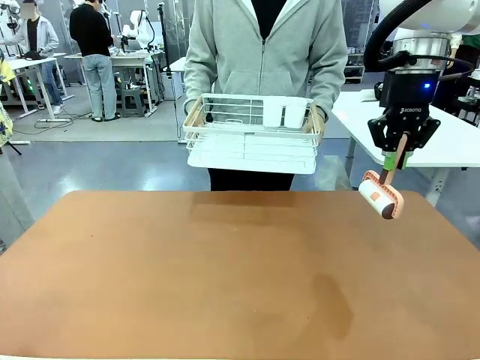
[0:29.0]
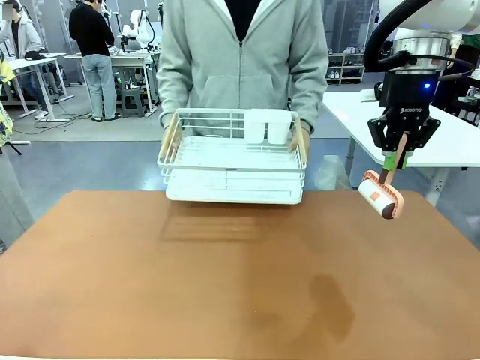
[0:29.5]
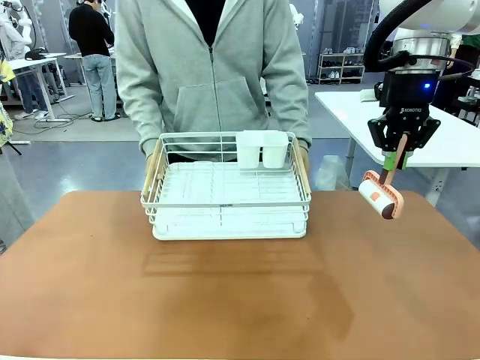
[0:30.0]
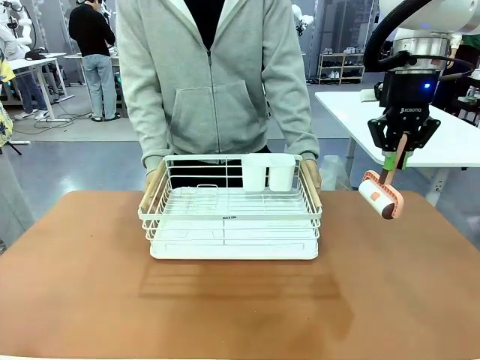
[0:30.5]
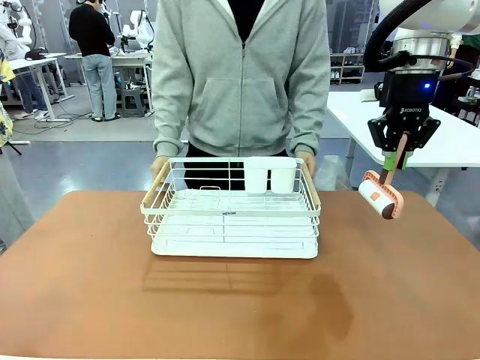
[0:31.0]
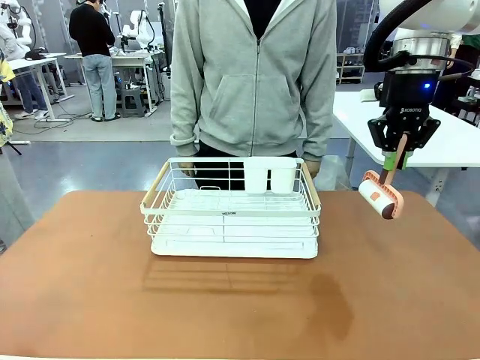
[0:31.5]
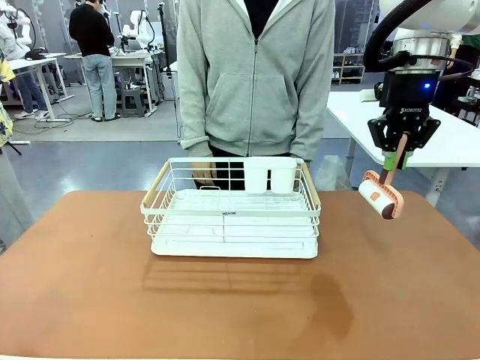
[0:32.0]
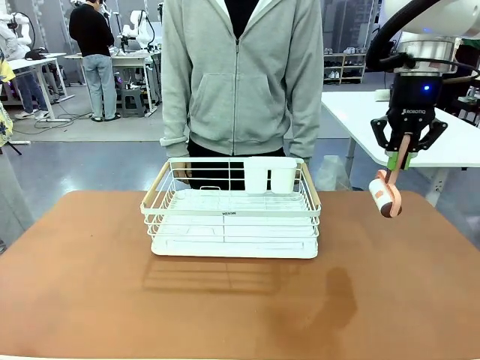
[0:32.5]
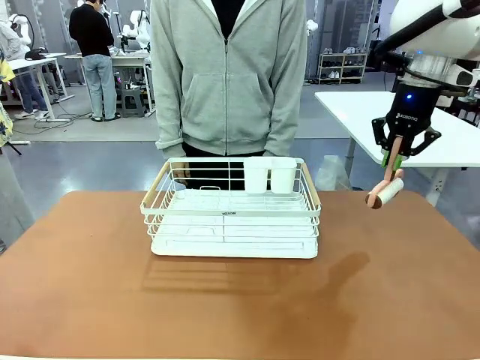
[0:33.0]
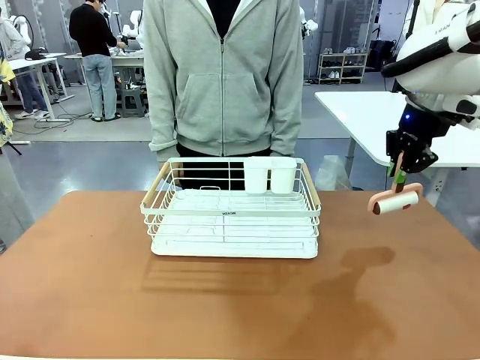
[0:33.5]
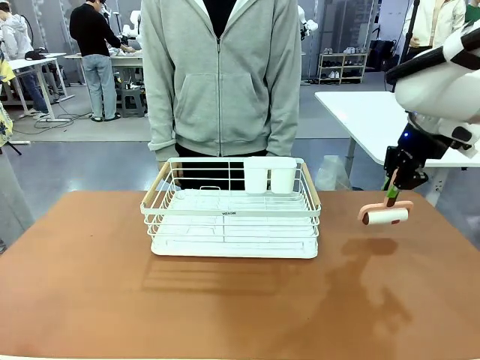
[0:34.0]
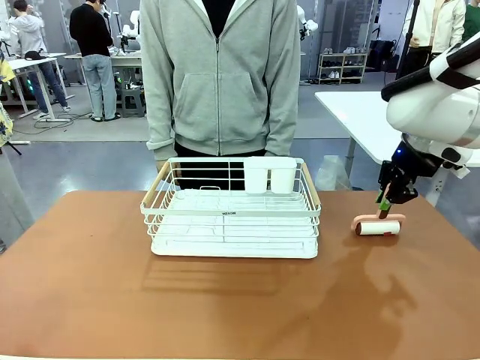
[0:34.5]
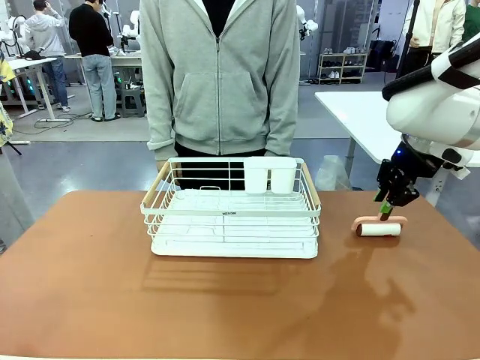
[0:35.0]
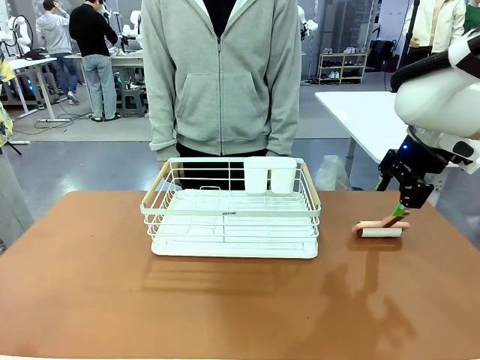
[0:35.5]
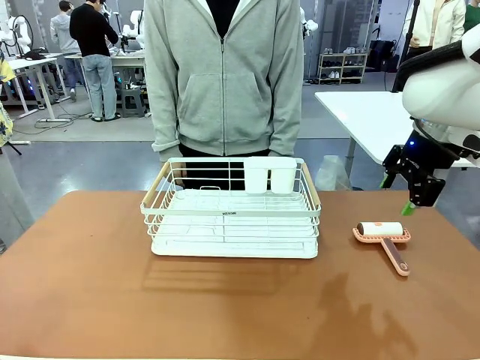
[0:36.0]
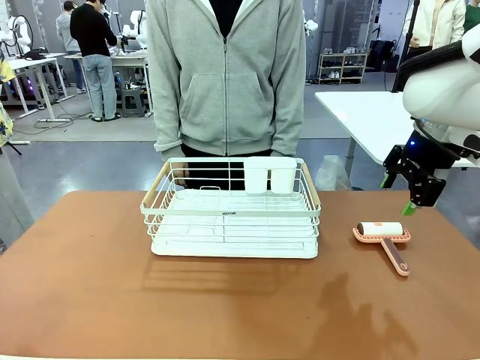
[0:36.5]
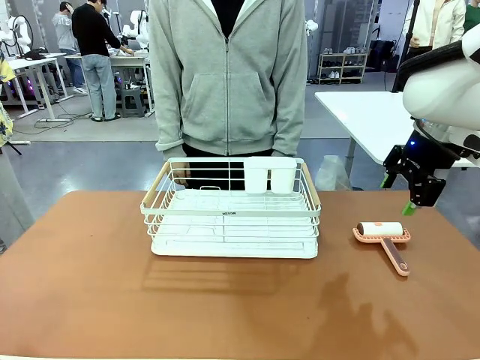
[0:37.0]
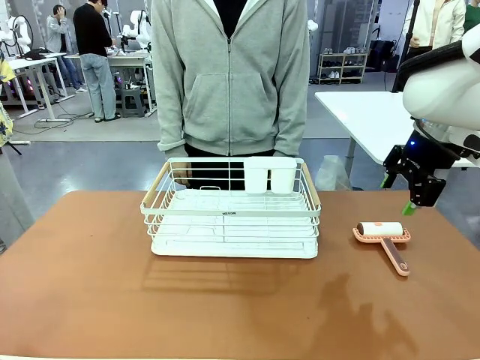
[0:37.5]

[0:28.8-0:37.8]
Task: Clean the table.
Robot: Place the Lint Roller down when the Dish drying rack is positioned in the middle of the table.

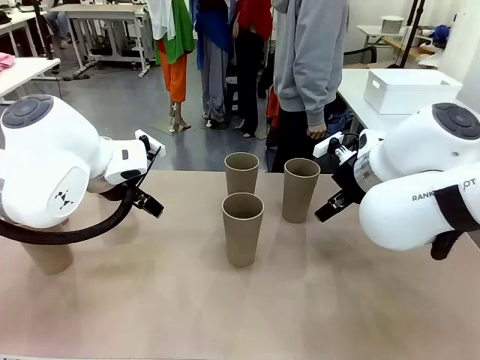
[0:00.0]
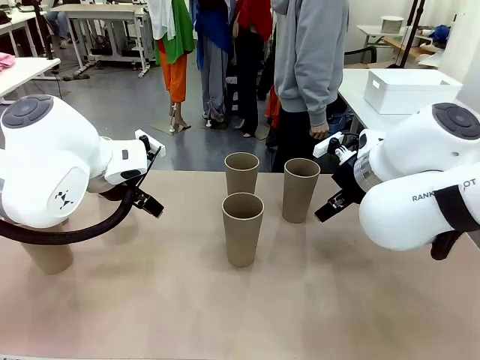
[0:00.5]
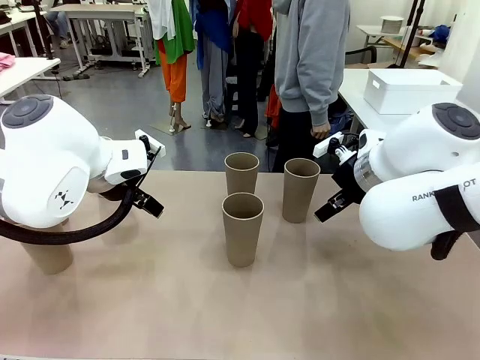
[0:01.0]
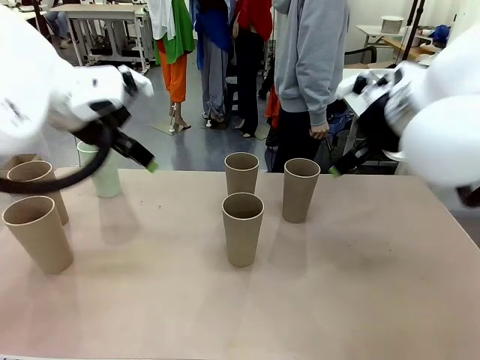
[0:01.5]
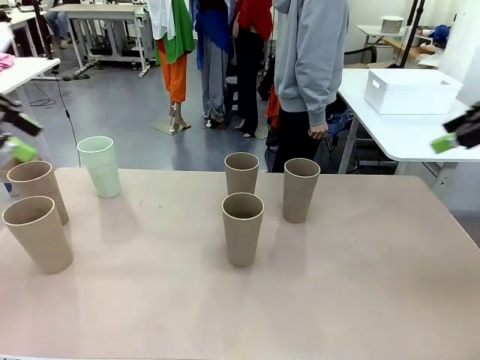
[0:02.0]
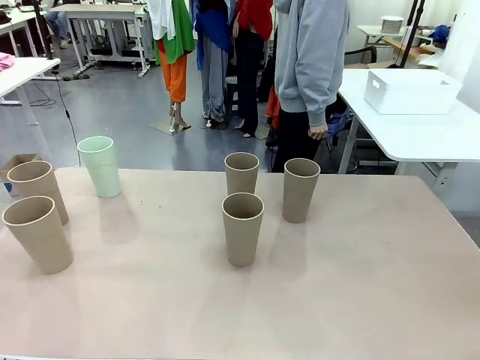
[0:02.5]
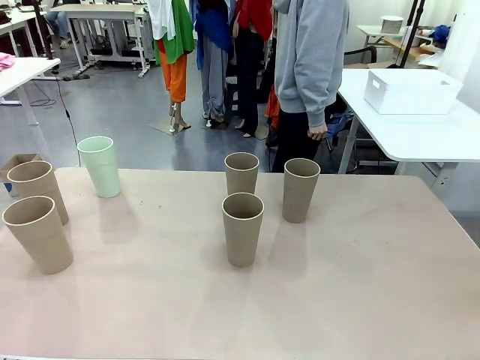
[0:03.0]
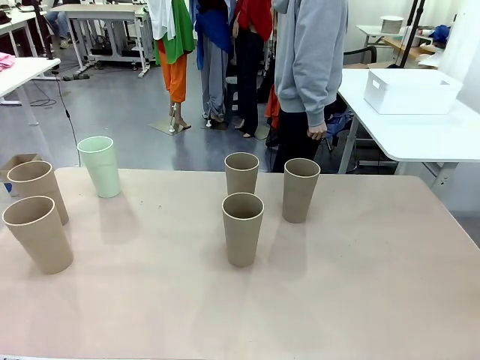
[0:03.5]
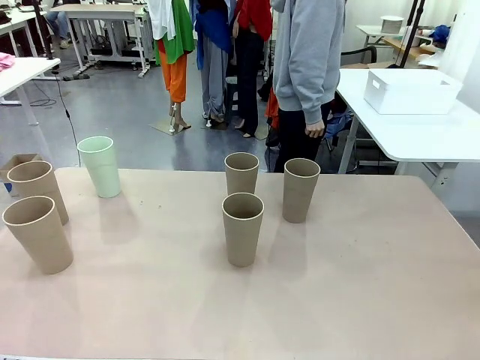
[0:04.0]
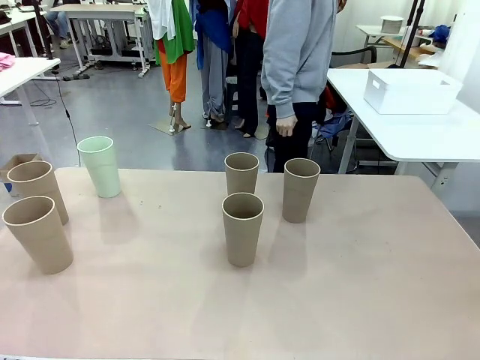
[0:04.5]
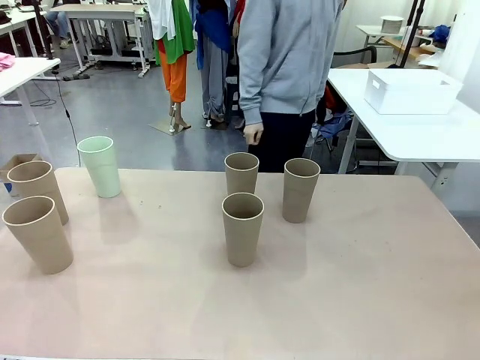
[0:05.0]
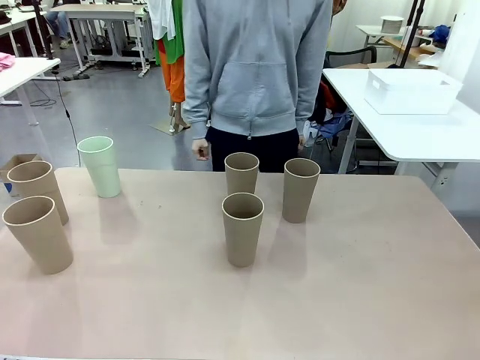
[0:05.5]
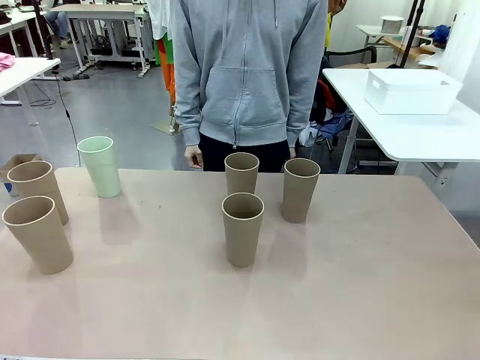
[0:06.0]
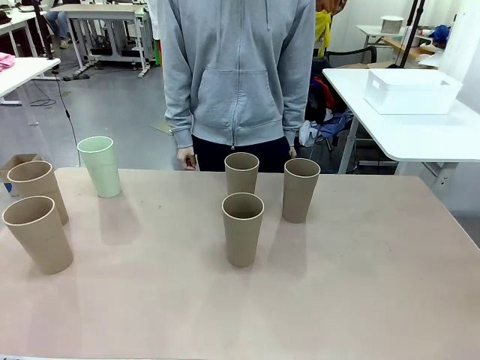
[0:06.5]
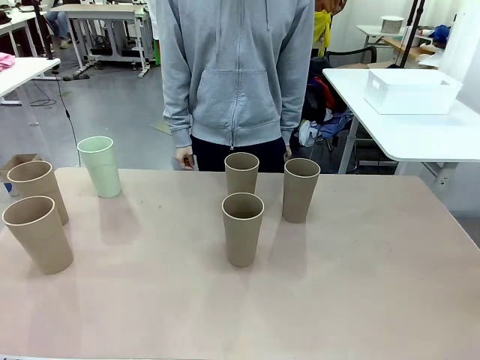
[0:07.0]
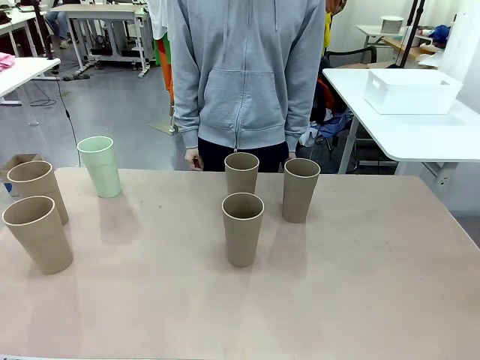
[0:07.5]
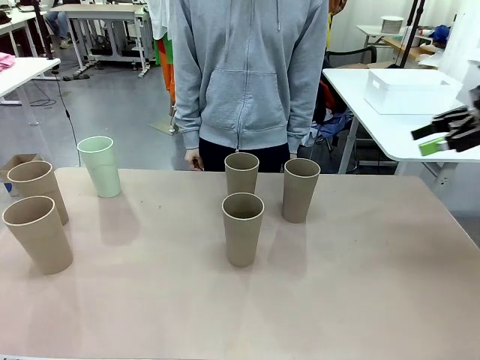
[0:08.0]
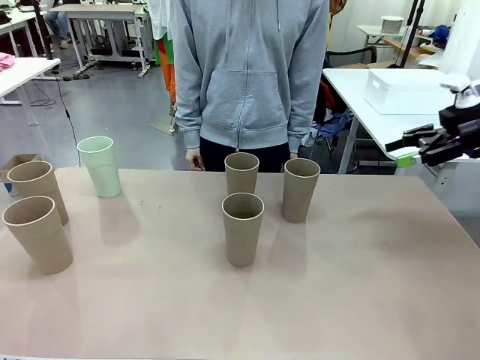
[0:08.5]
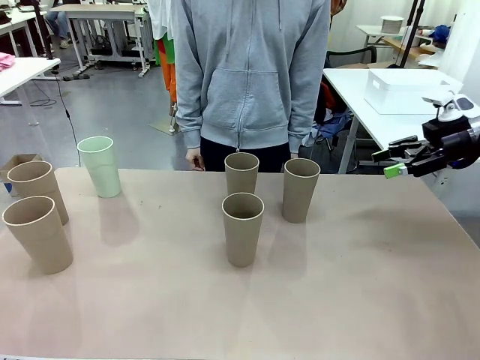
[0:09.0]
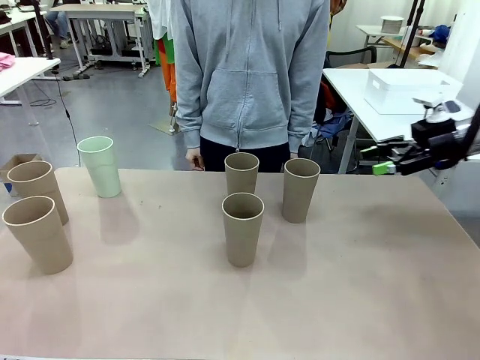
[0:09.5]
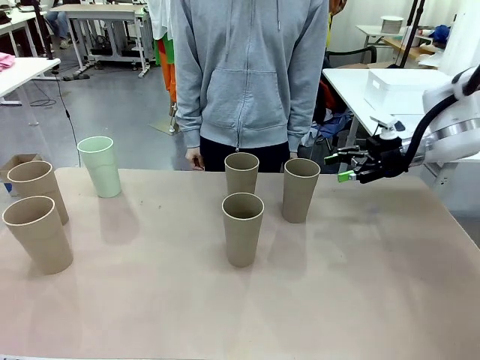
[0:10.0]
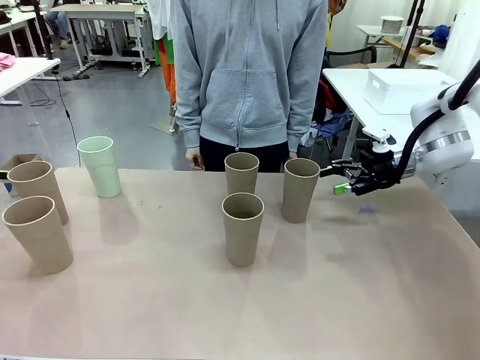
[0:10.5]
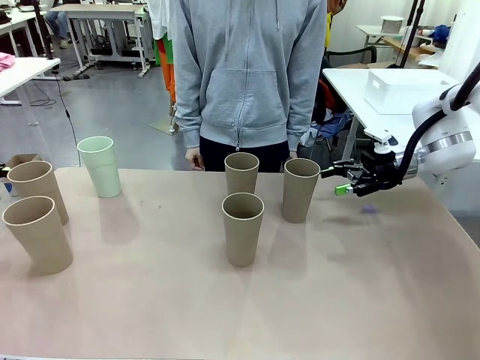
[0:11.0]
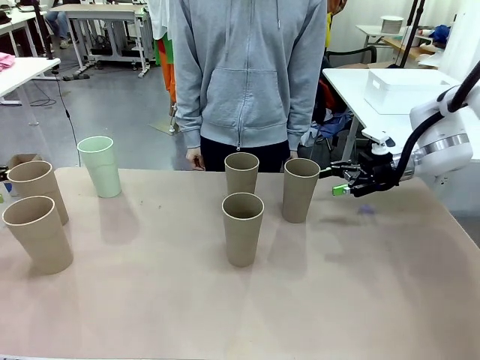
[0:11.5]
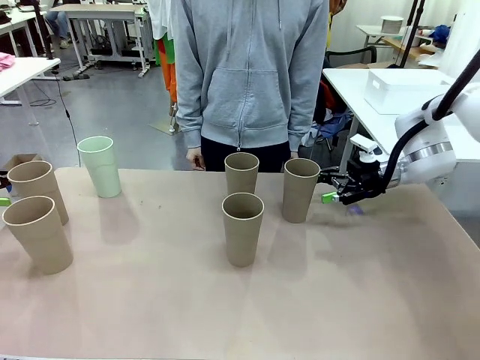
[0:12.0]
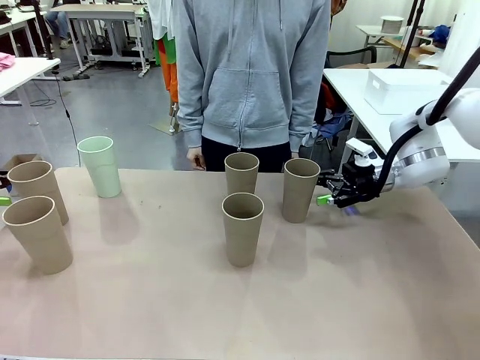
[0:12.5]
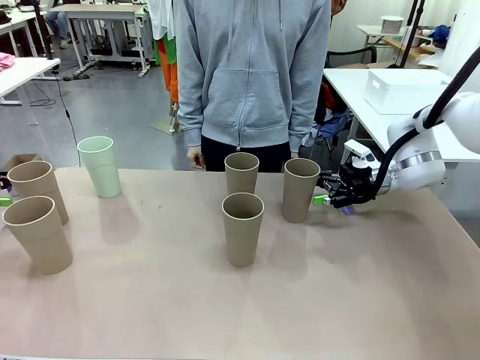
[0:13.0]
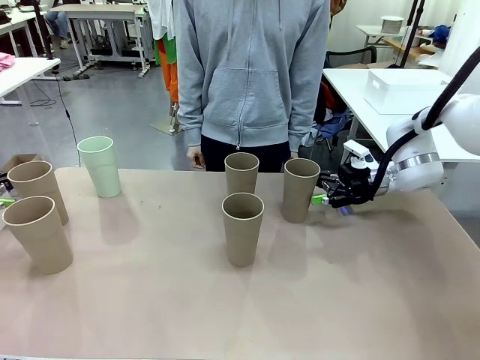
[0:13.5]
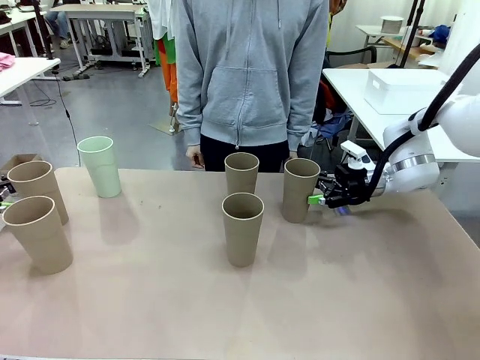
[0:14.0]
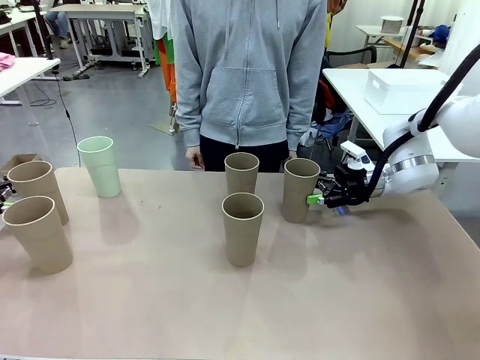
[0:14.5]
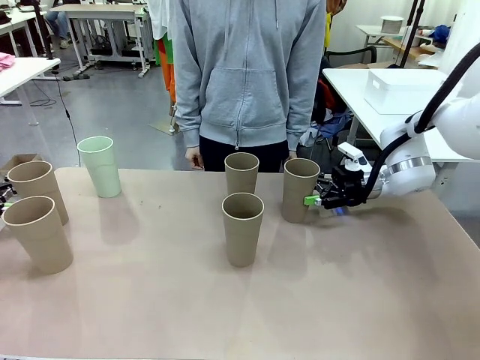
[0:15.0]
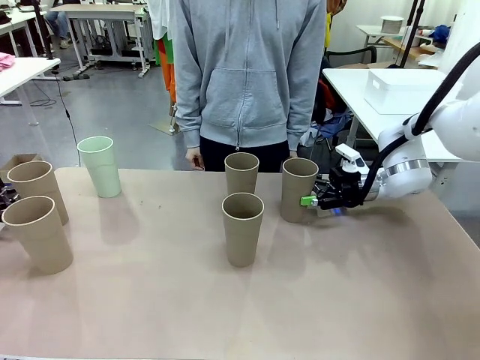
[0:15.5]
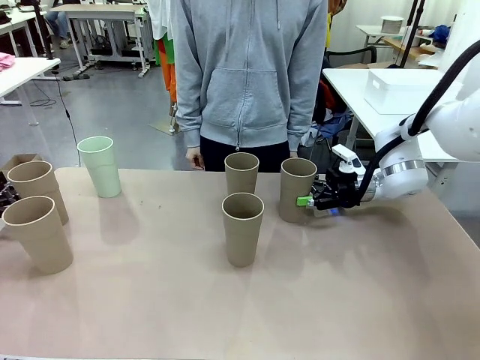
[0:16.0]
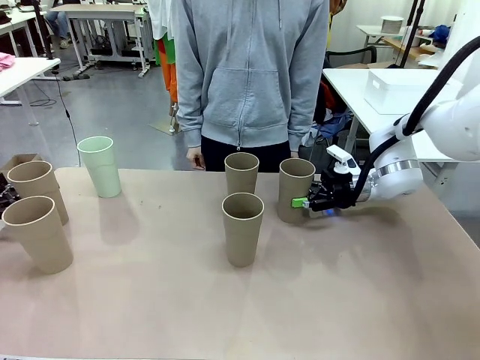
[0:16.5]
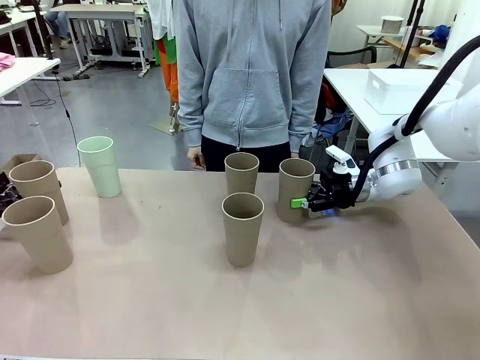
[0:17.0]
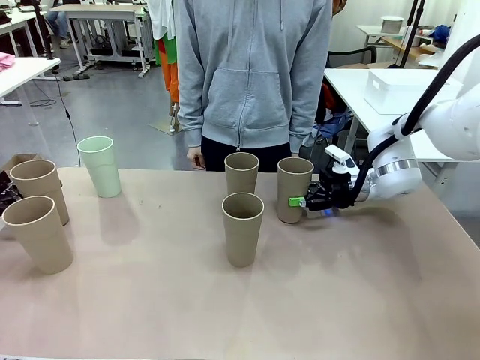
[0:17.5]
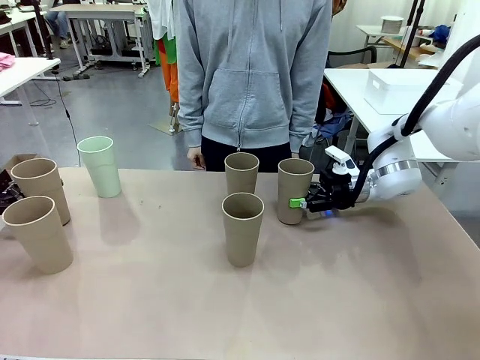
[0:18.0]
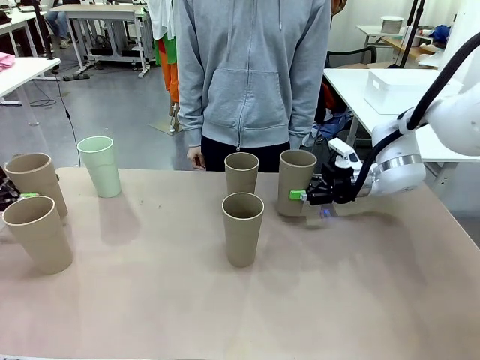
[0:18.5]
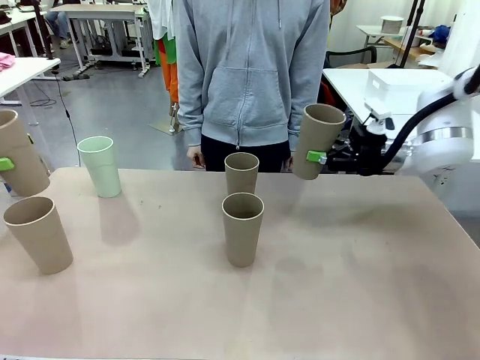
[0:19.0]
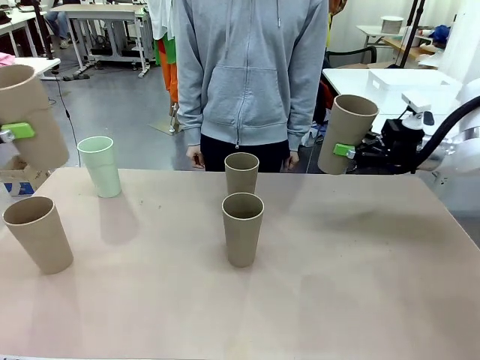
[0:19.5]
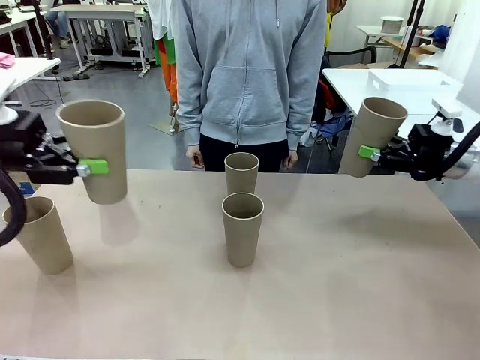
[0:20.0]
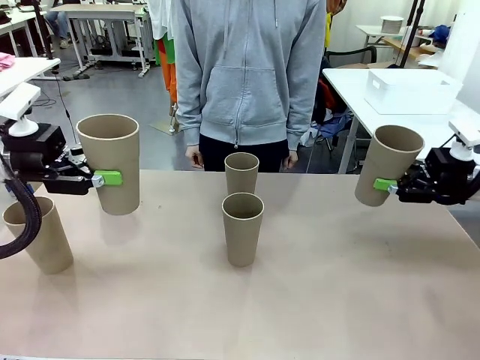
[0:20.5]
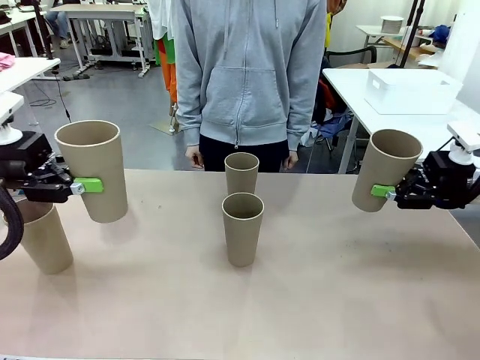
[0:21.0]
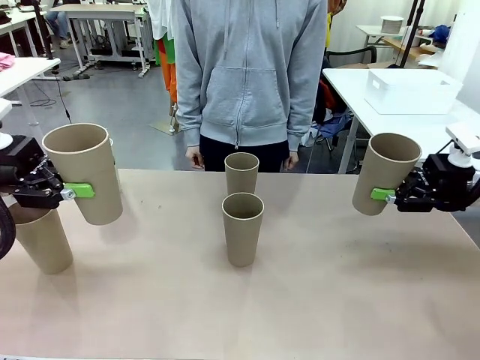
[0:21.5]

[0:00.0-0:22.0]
Task: Stack the cups and store them in the basket.
Robot: Pick up two Reusable plastic cups , one in each hand.
Person: Move from the Human Table to the front of the Robot Table. Stack two of the remaining cups on top of each cup held by the robot.
